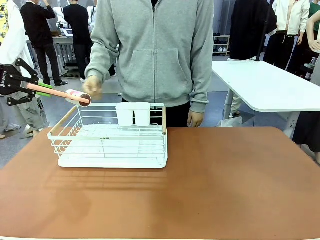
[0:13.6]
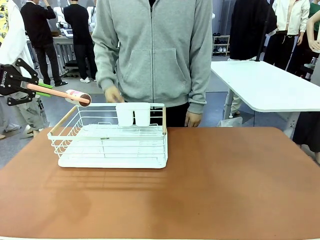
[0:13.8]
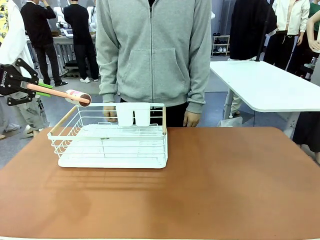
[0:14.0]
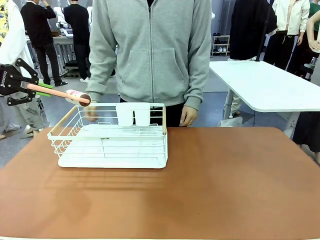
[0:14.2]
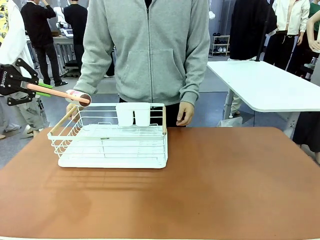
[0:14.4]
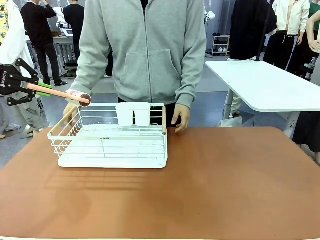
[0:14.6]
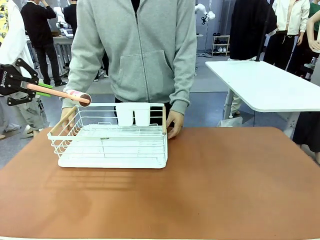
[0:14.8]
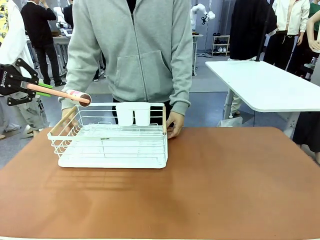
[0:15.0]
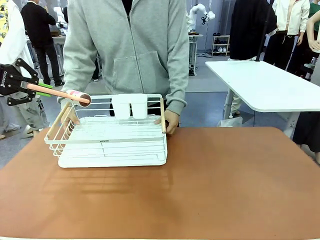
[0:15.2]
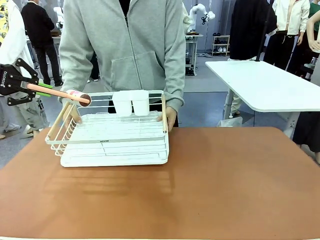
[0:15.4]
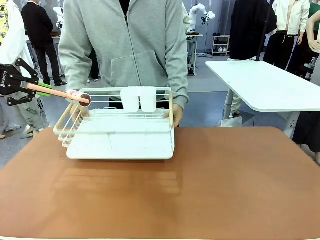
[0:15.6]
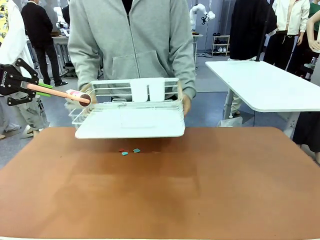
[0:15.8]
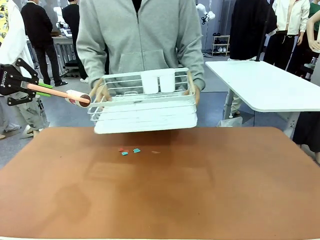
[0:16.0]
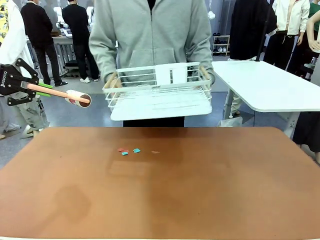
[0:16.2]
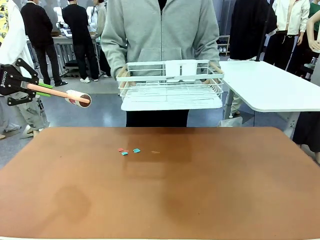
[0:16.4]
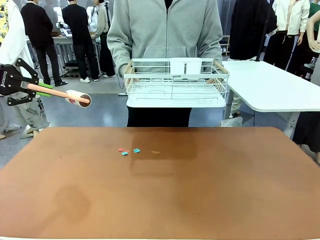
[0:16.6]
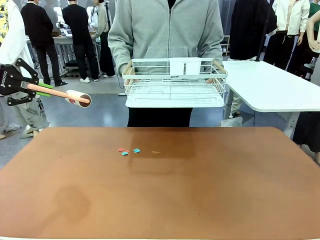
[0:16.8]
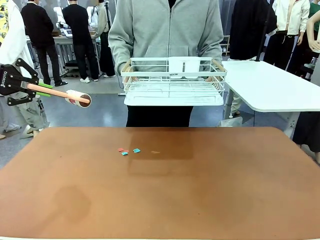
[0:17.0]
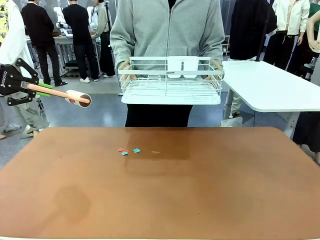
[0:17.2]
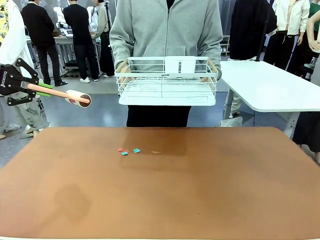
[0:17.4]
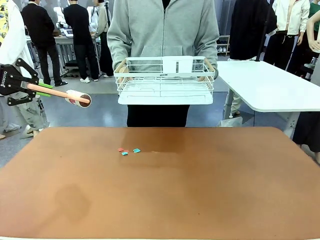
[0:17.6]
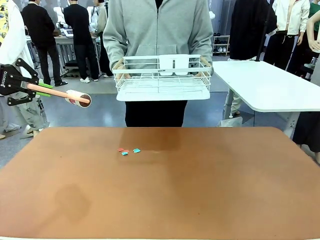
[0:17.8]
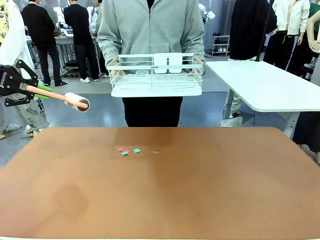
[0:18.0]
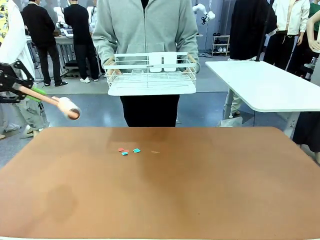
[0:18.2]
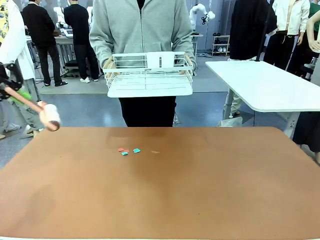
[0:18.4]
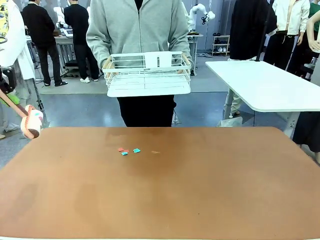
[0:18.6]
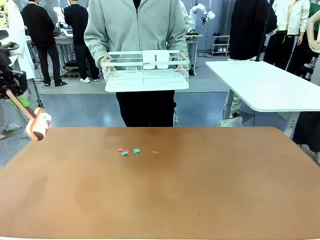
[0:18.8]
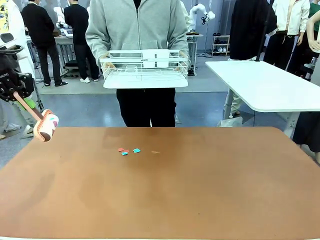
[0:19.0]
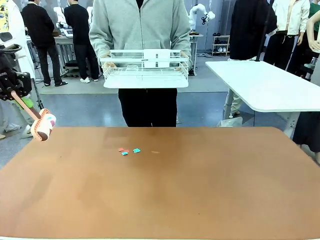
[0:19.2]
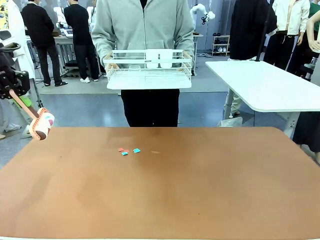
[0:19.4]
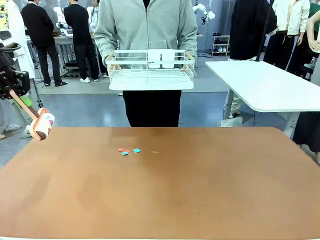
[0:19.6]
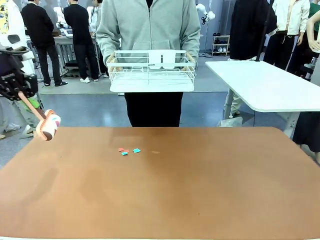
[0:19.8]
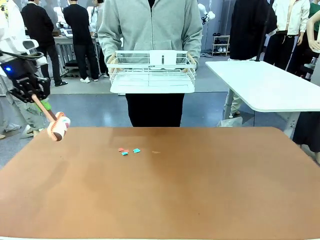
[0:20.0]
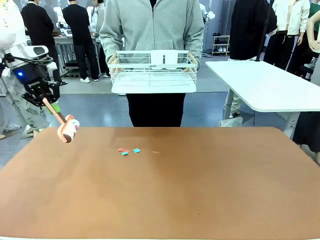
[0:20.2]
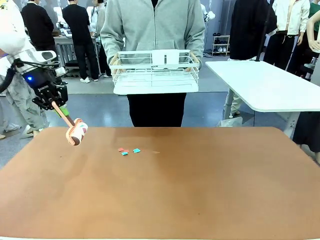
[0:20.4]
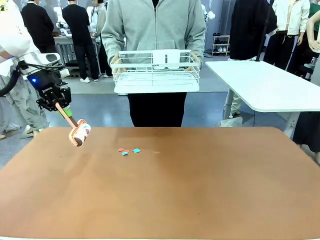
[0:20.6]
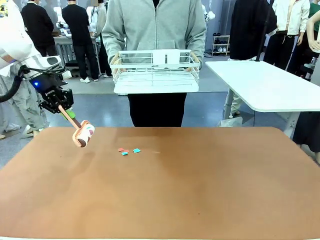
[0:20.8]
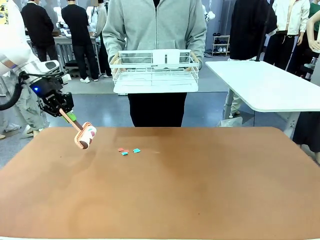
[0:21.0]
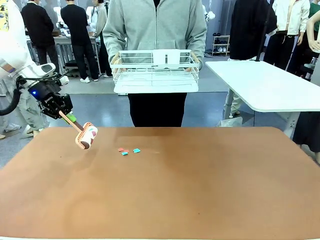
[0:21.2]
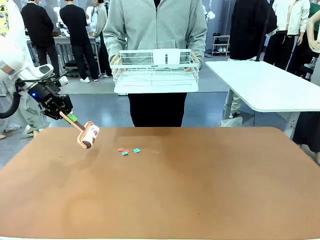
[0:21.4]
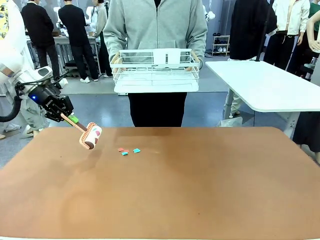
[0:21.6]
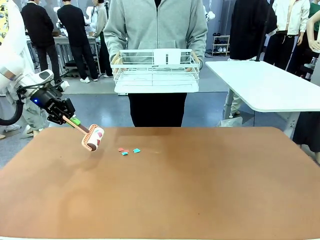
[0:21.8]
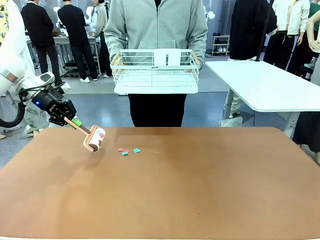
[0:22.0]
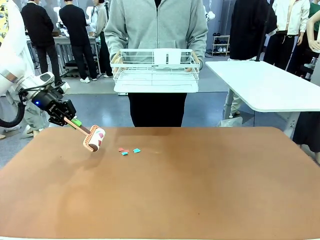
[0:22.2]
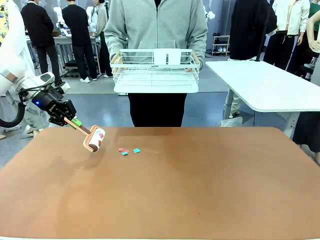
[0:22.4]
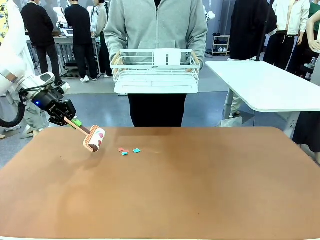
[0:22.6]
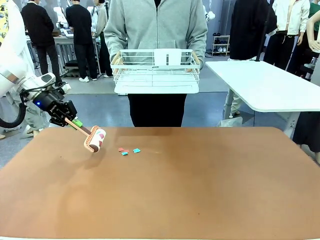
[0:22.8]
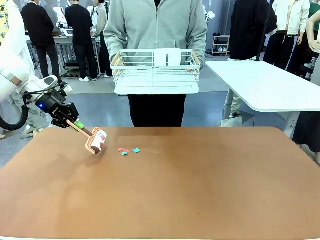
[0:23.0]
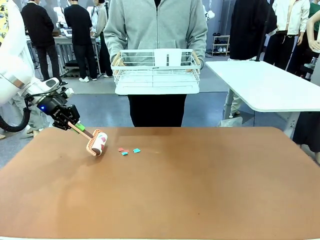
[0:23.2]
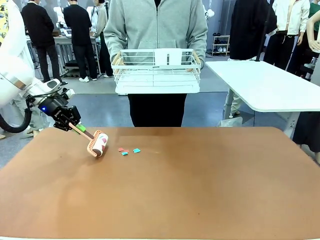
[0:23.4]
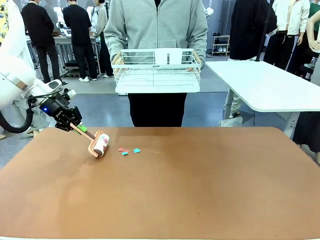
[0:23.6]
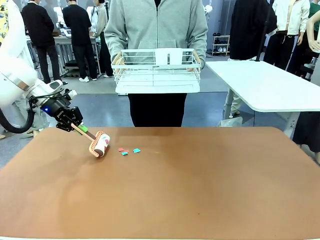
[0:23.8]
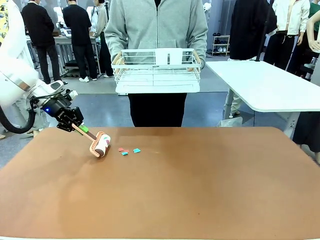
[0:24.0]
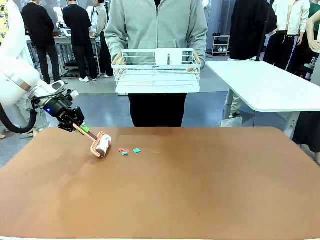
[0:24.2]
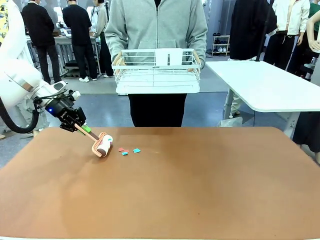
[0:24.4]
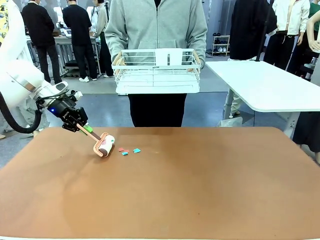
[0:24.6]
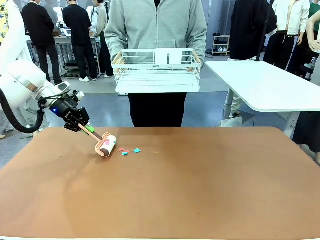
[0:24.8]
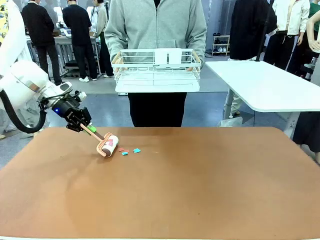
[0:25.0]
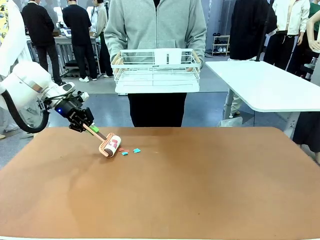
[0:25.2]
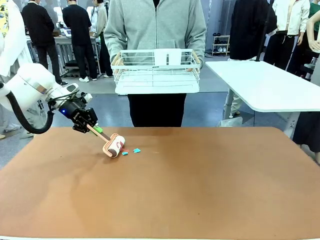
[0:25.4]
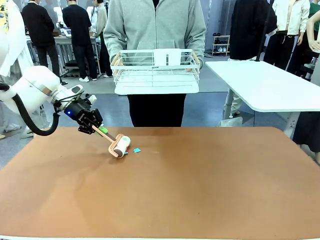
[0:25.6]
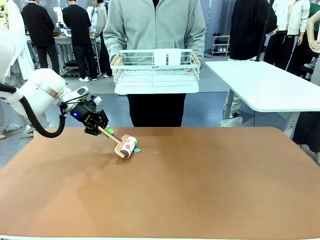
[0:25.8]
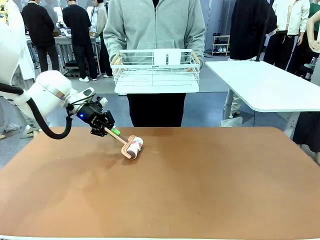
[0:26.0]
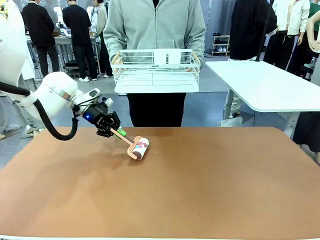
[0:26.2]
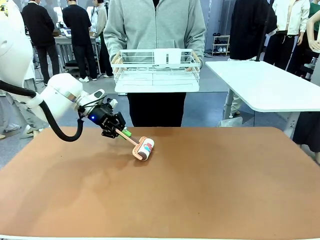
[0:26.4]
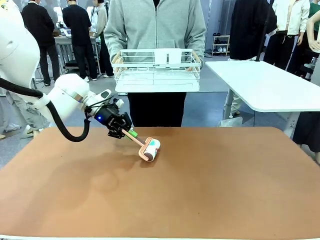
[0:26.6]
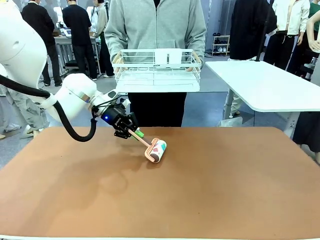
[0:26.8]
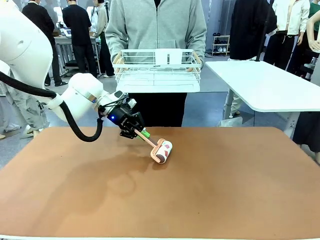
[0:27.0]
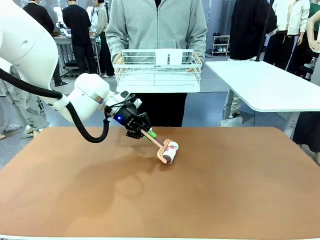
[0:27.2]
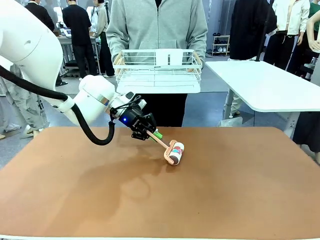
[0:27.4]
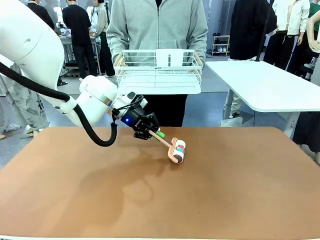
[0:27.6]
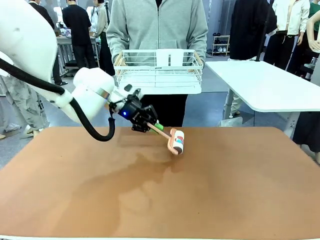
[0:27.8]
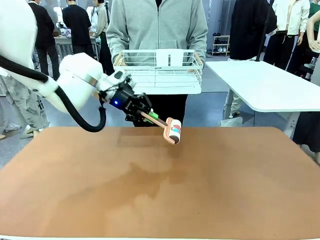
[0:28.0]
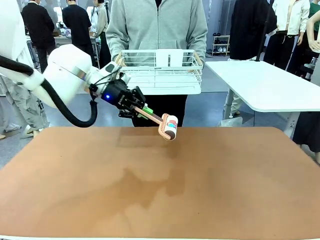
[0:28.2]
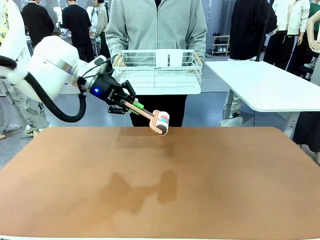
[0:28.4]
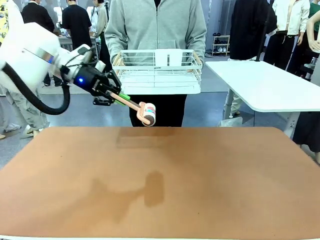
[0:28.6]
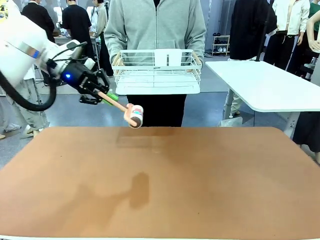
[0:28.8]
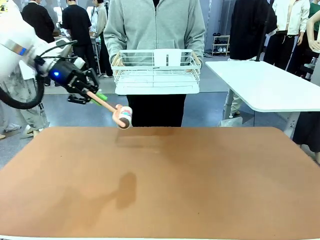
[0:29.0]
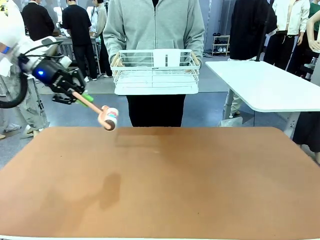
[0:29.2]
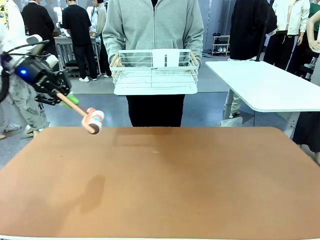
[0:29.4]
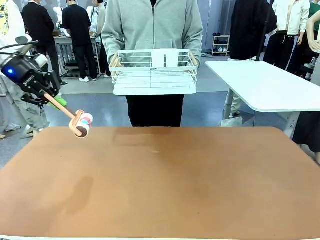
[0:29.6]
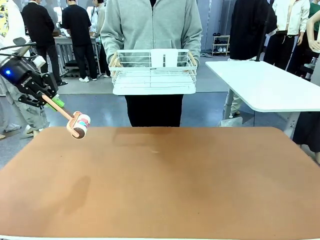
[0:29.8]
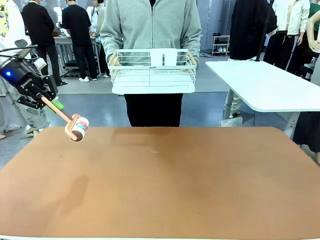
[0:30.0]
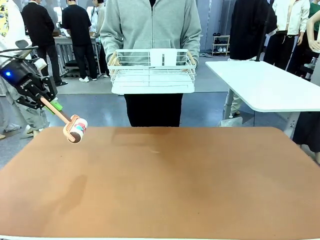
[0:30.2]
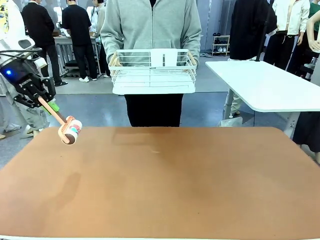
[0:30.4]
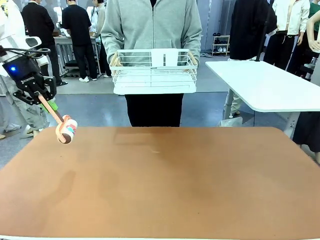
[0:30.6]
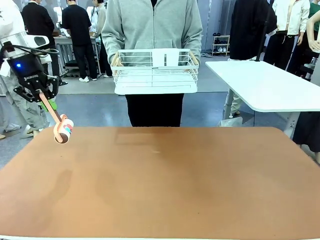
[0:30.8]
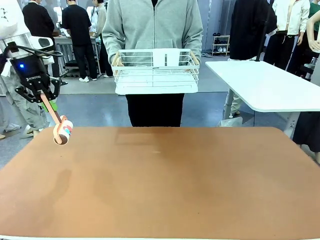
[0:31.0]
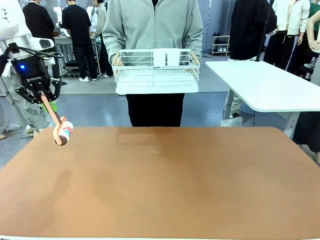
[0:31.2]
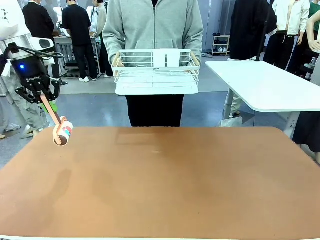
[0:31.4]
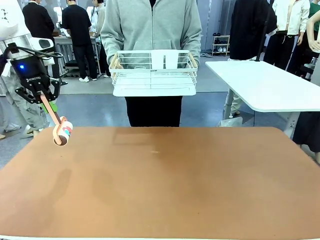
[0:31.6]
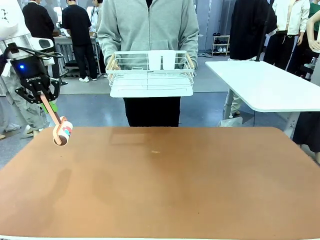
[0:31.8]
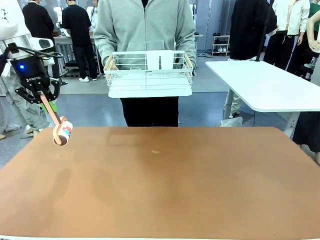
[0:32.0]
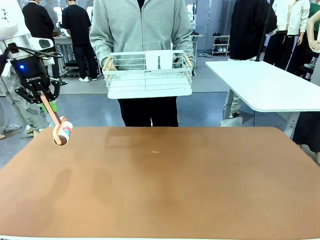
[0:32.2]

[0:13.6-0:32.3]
Task: Clean the table.
Robot: Clean the table with the Lint Roller when the human lifts the Dish drying rack.
Person: Place the Dish drying rack down when the robot finishes cleaning.
